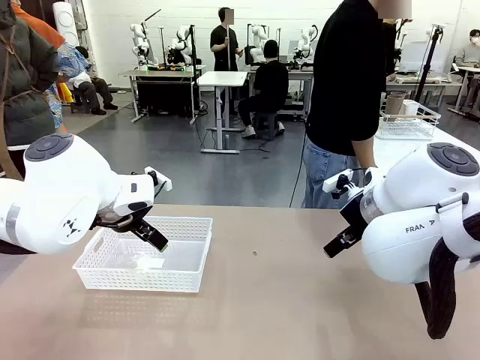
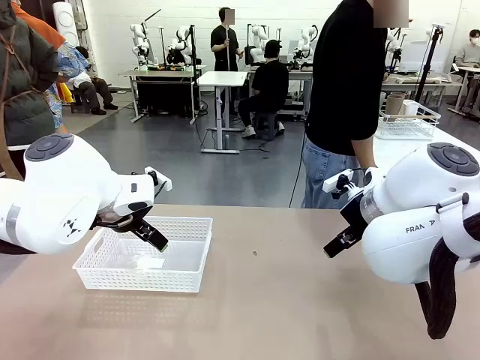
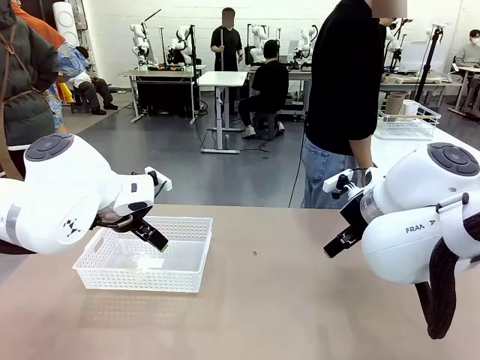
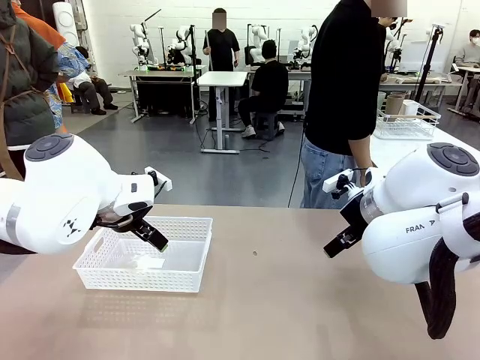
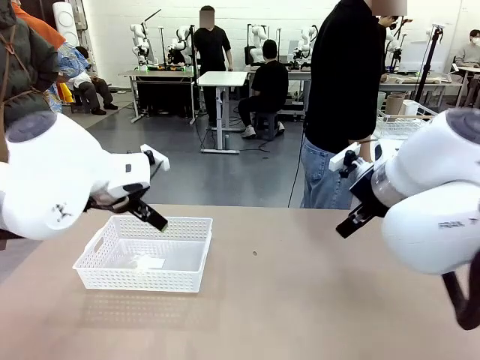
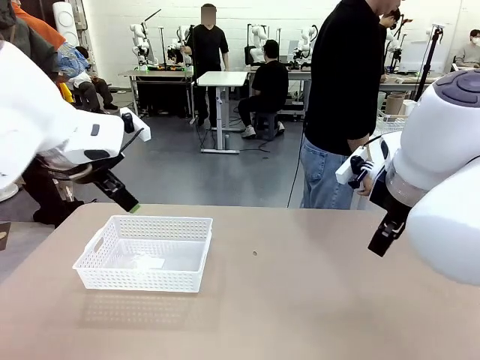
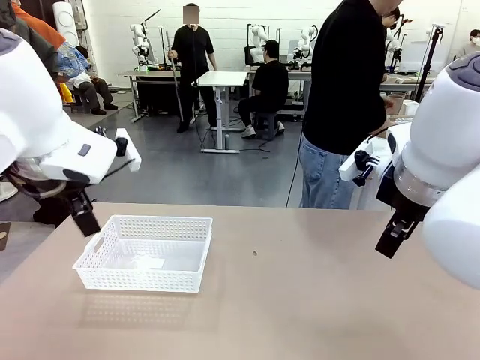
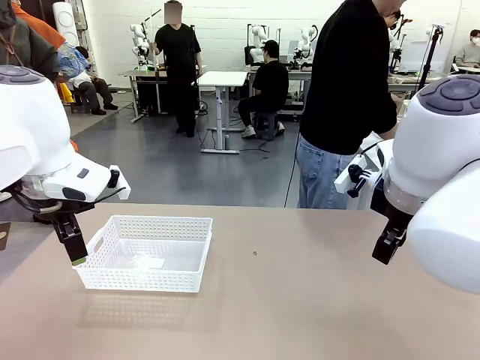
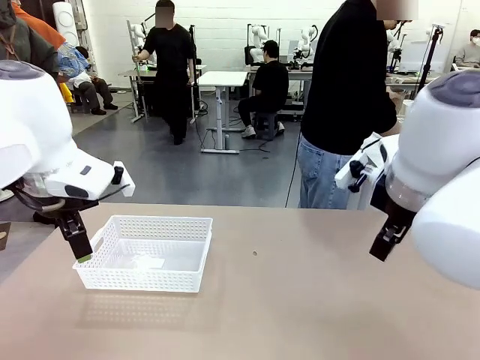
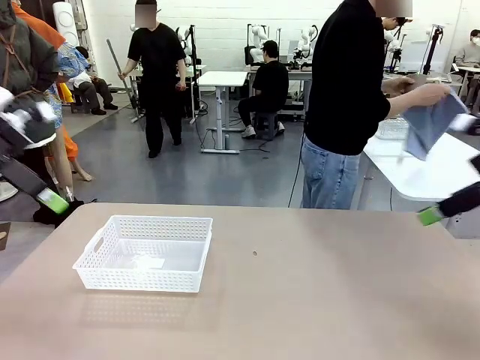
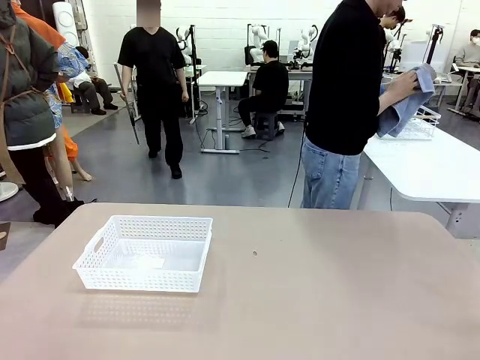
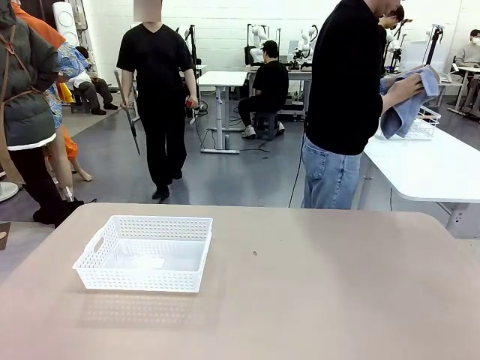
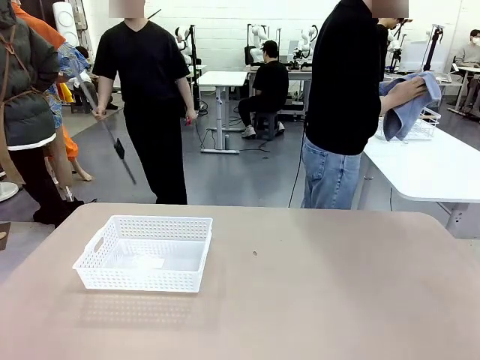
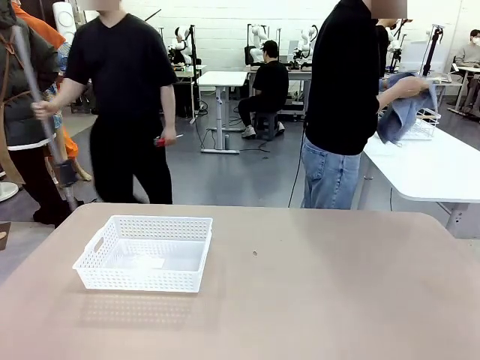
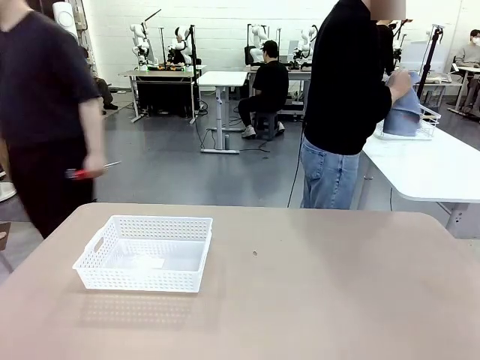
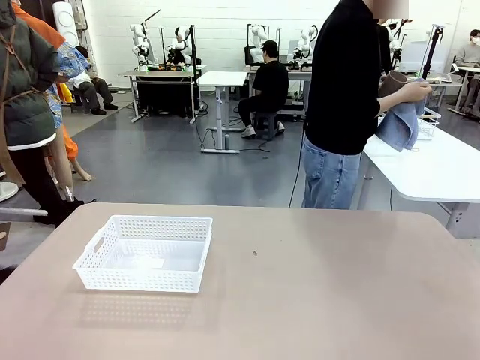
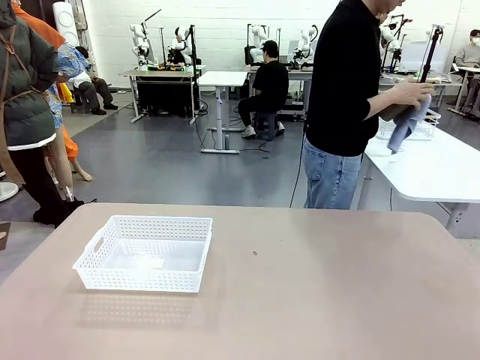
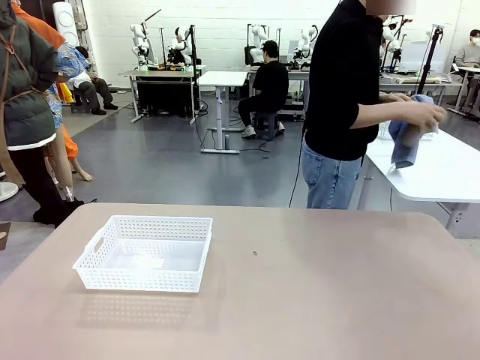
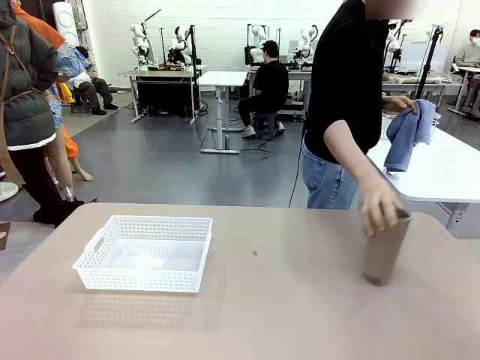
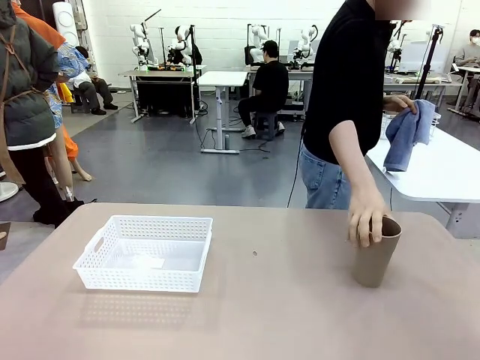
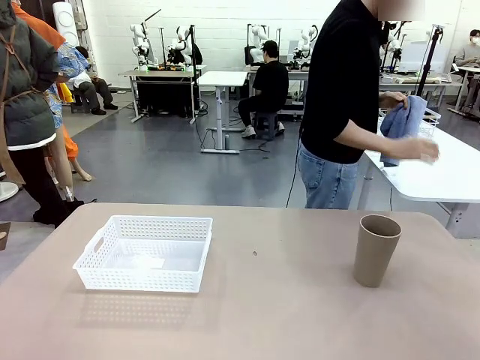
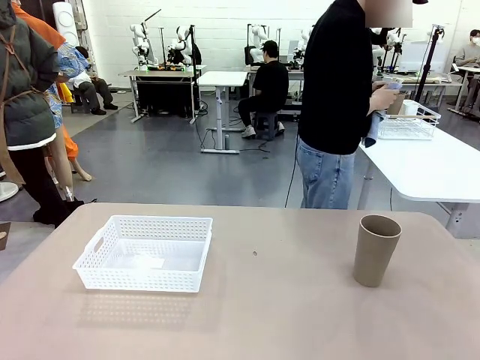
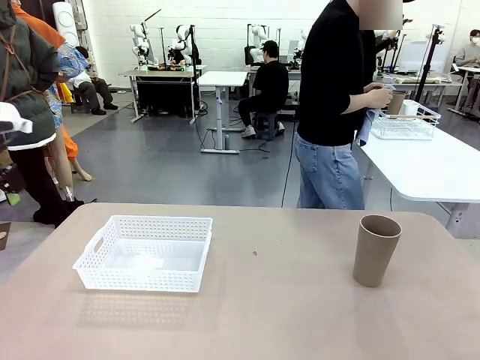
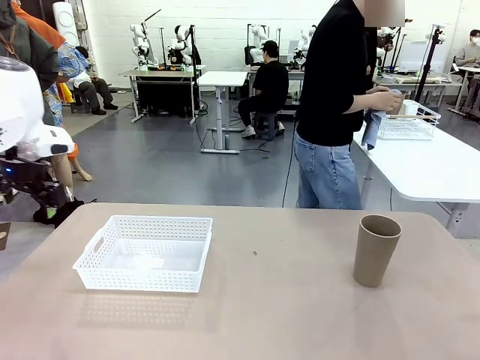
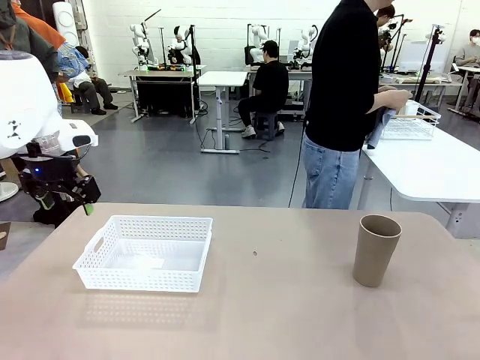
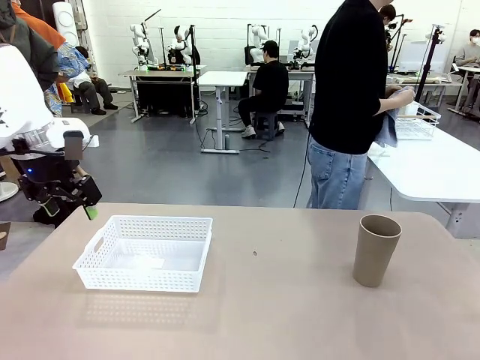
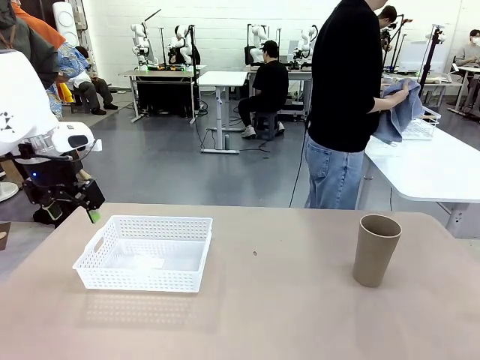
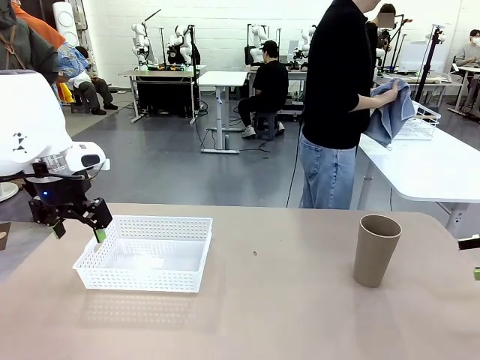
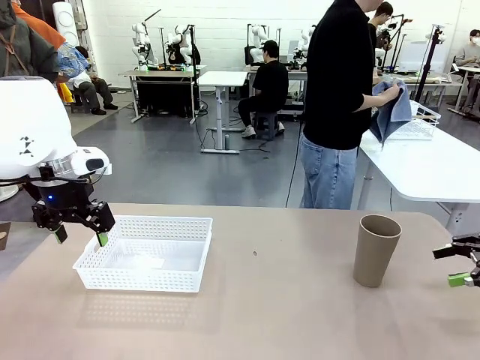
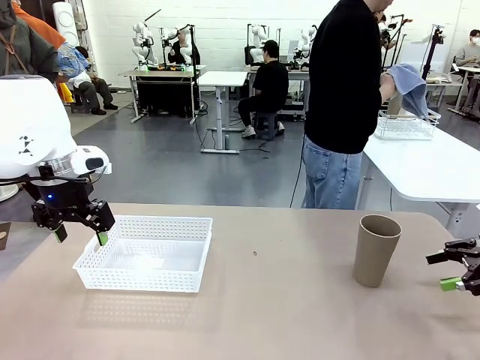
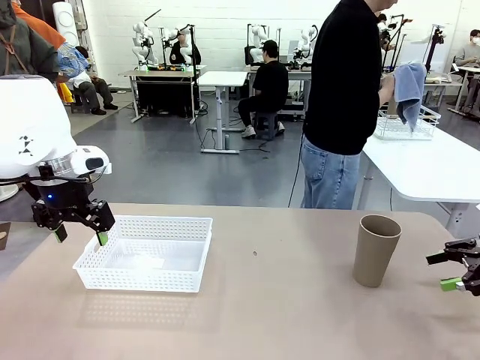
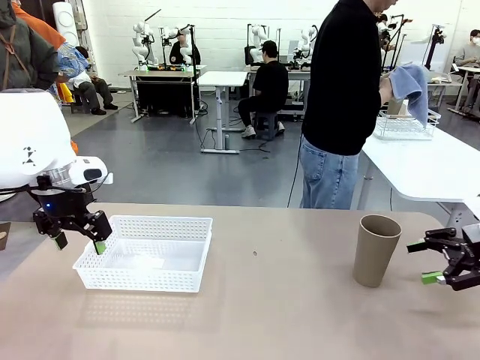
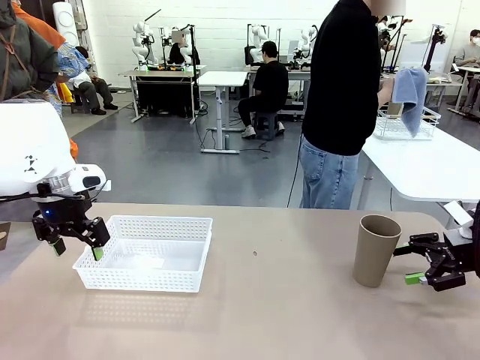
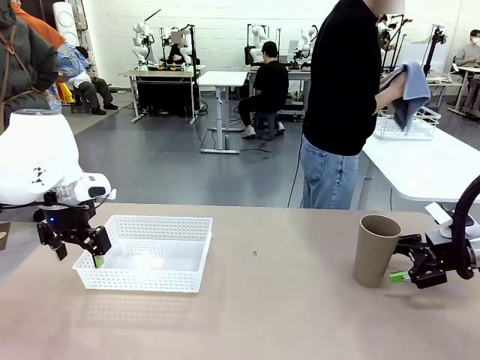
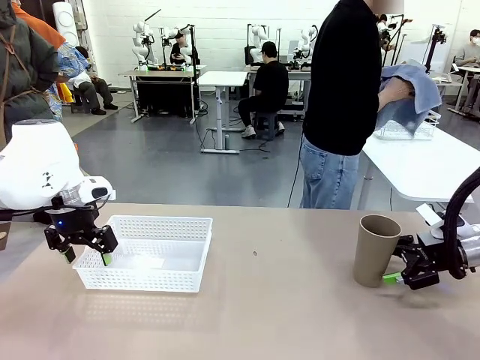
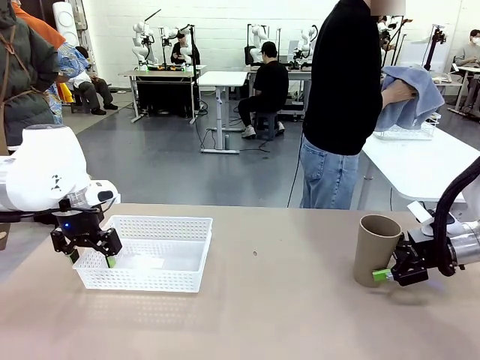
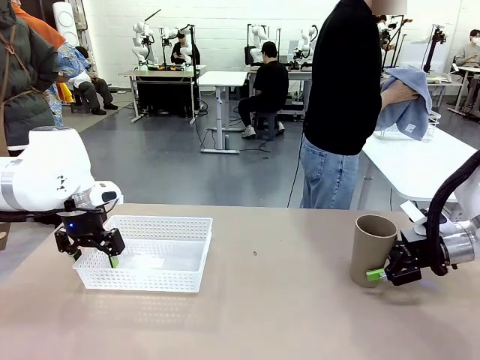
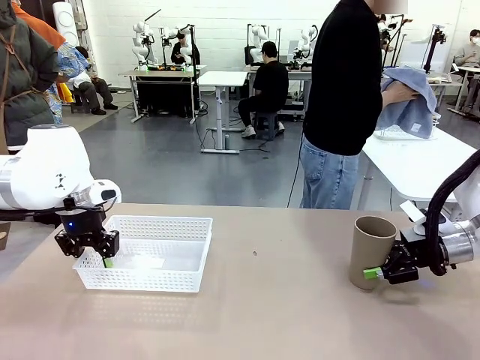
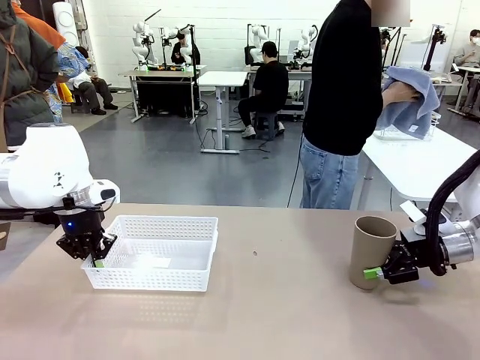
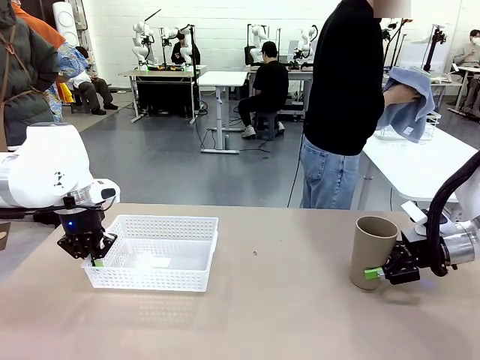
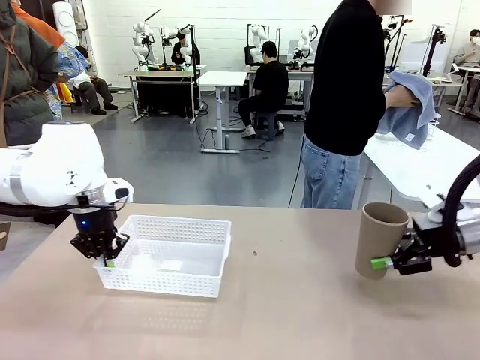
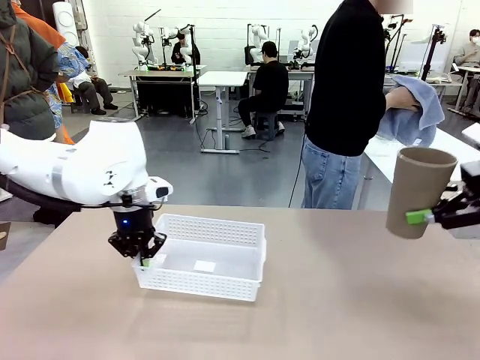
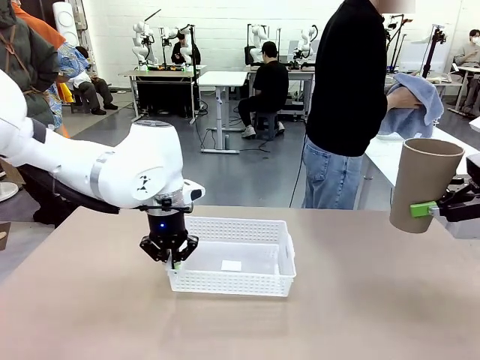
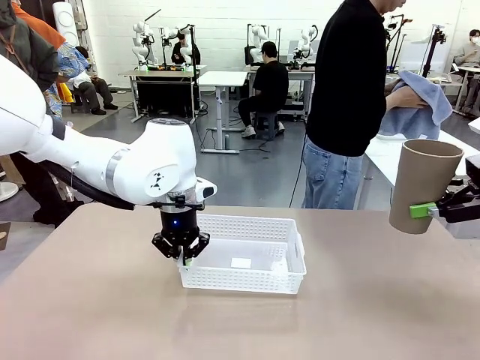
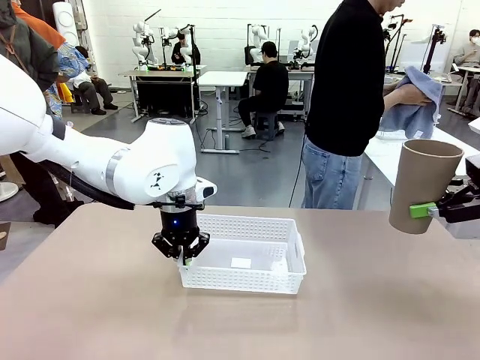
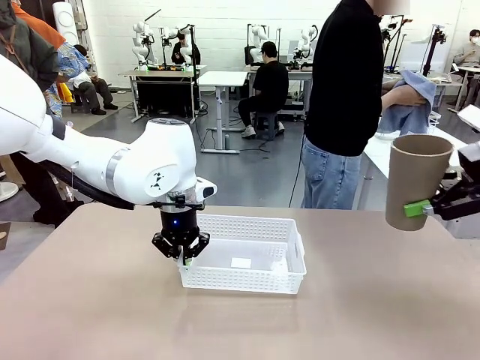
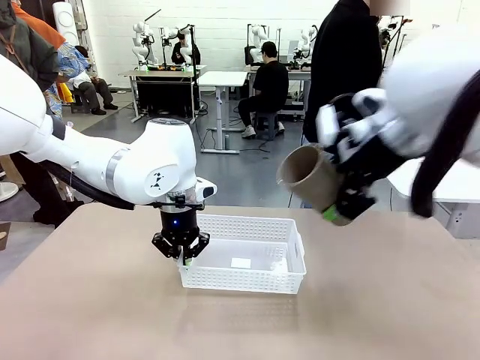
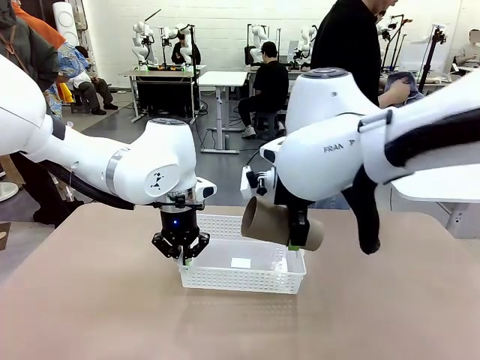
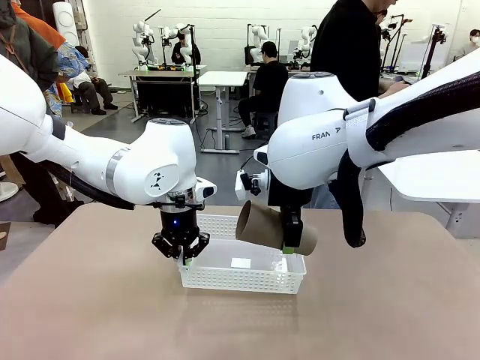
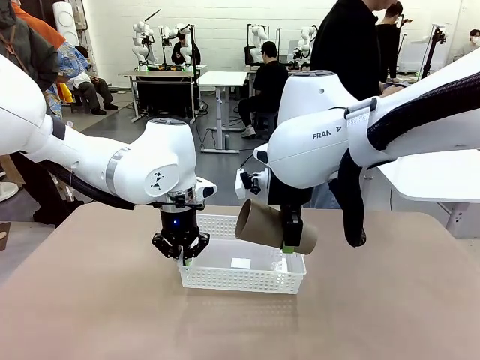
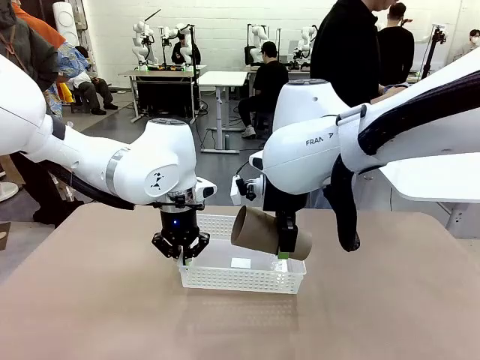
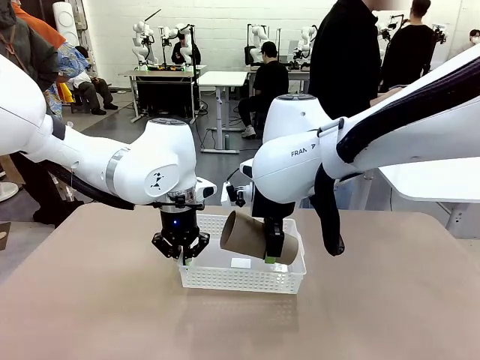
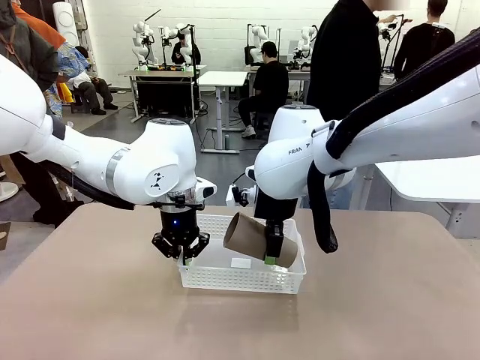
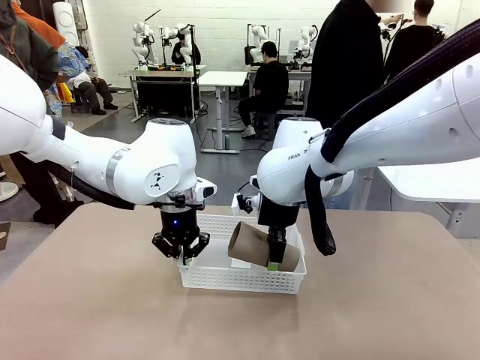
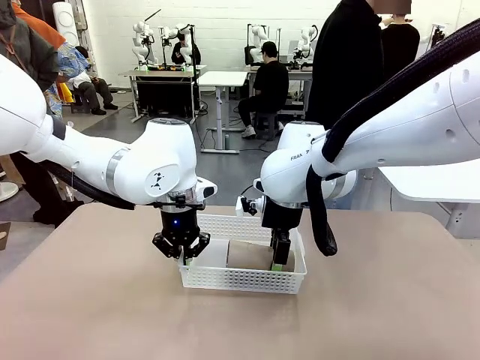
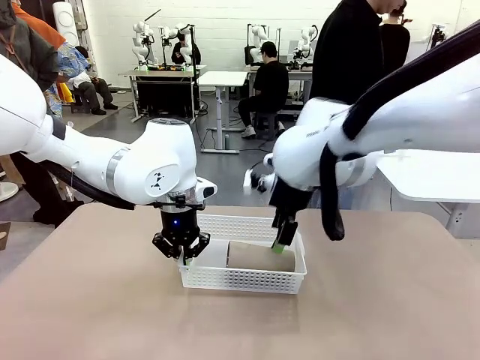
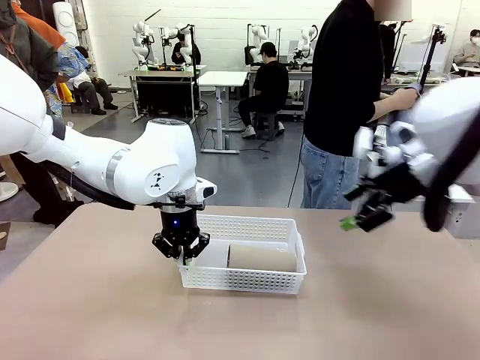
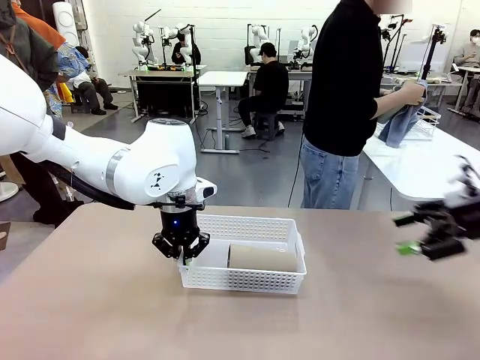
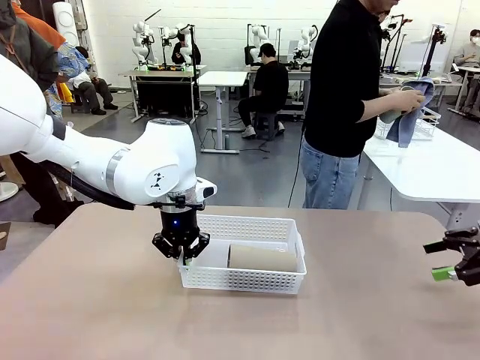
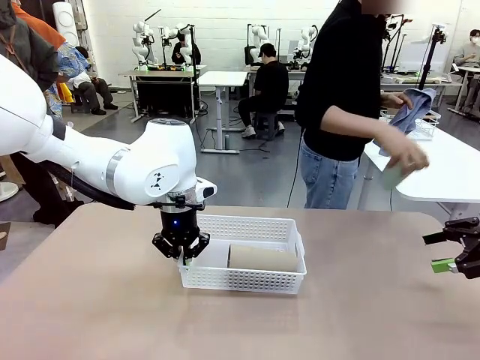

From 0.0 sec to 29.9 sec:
Task: Clean and organize the cups into the basket.
Robot: Pick up the Organizing basket and move it to the center of the table, then pick up the Reusable plastic cup from the right side of the table and place it inside the Organizing basket.
Person: Picks up a cup and a towel, cleans the cup with the towel, and places it on the left side of the robot table. Picks up a cup from the drying rack, cleans the cup with the towel, and places it on the left side of the robot table.
